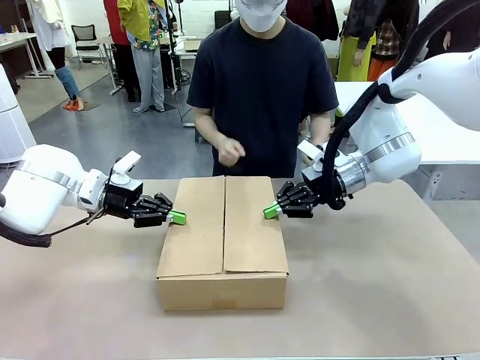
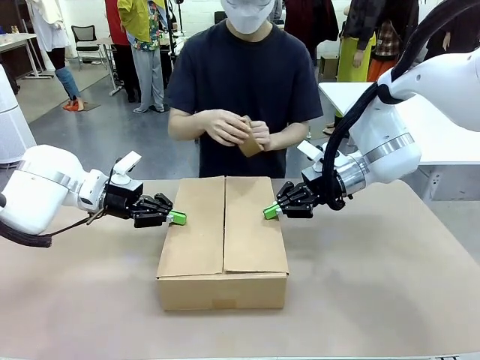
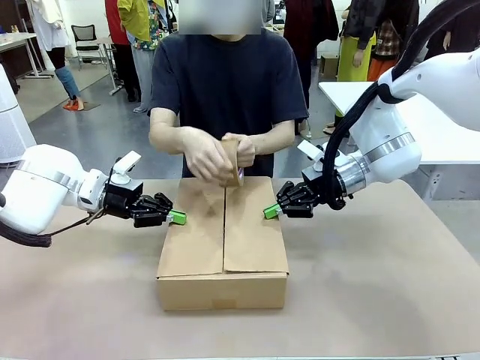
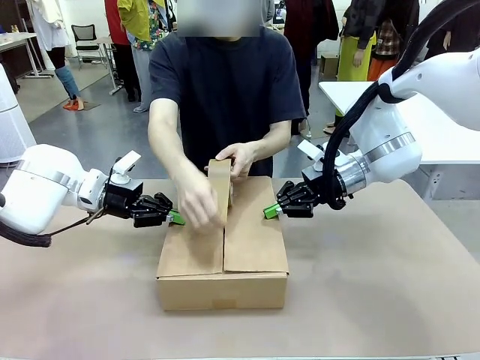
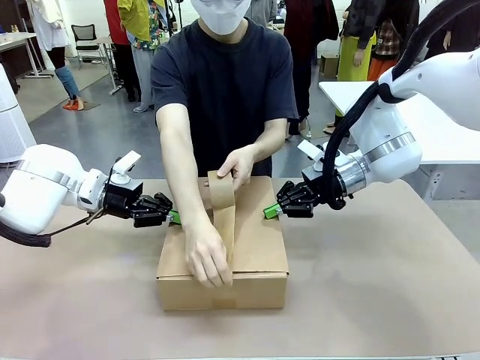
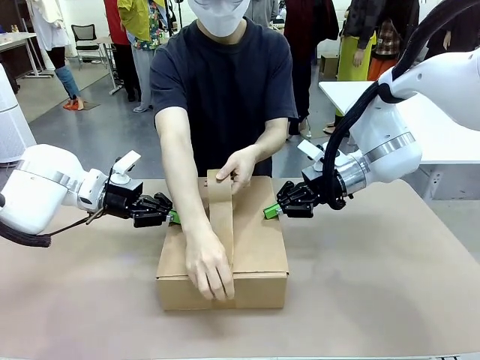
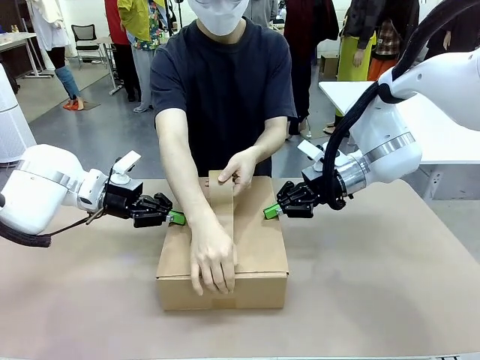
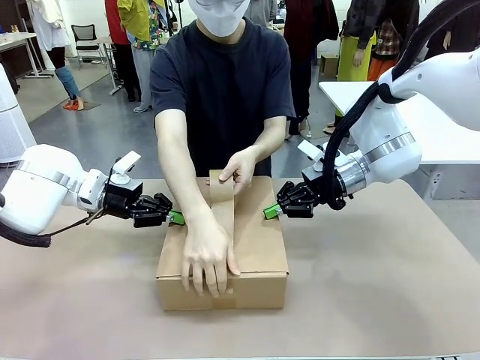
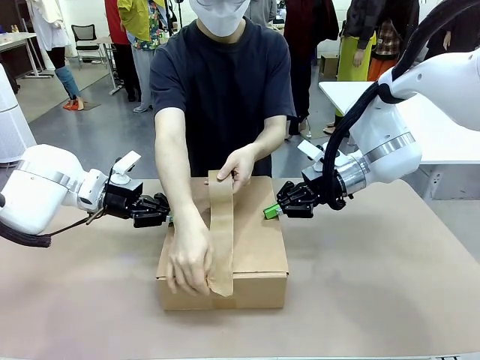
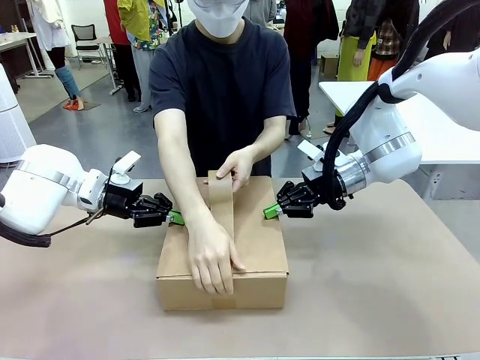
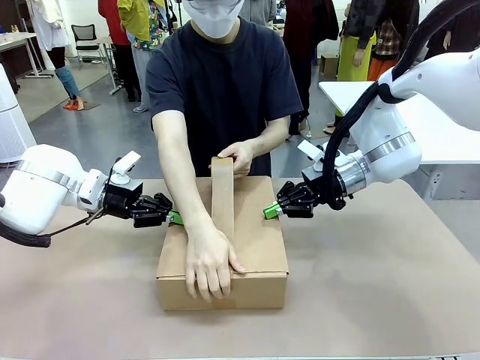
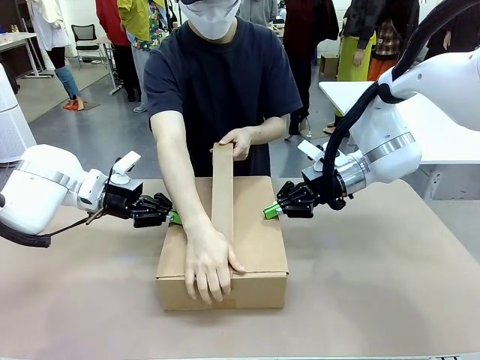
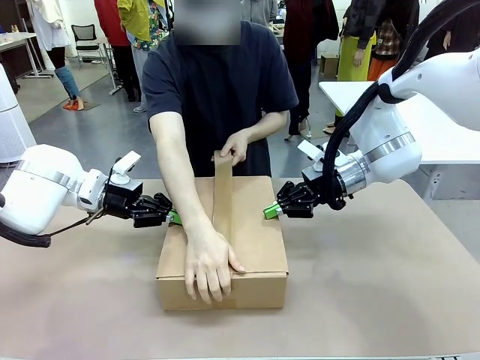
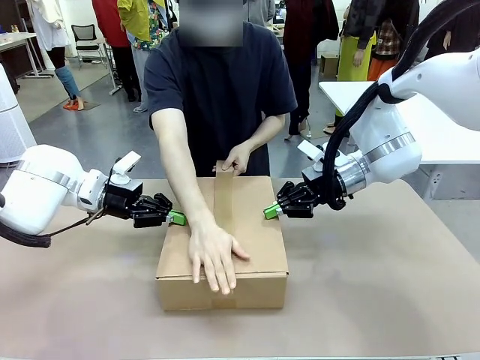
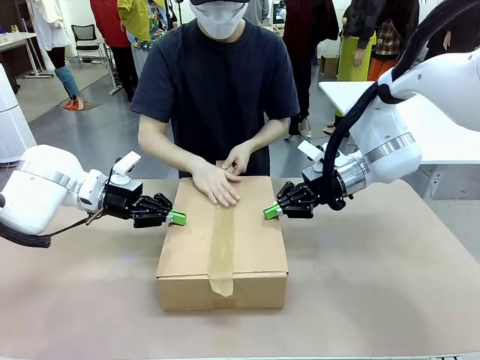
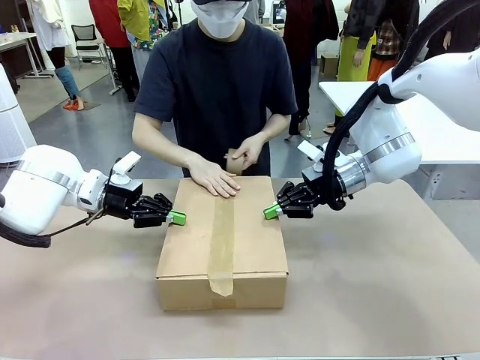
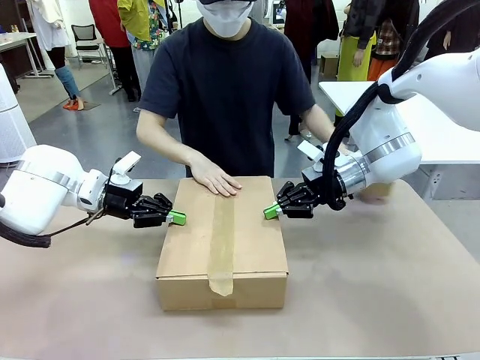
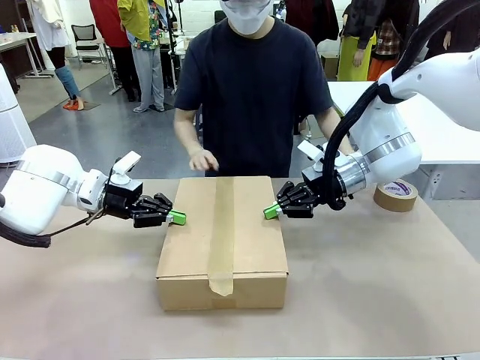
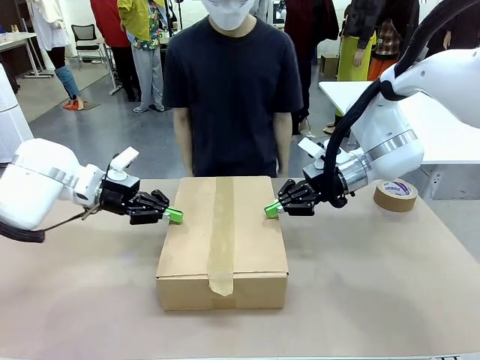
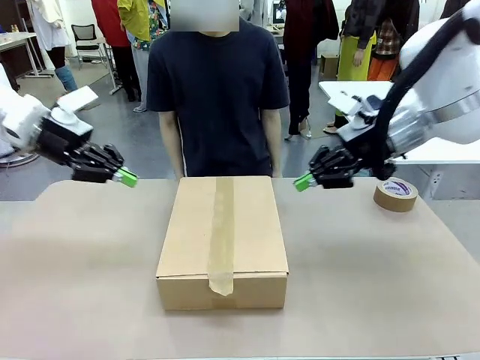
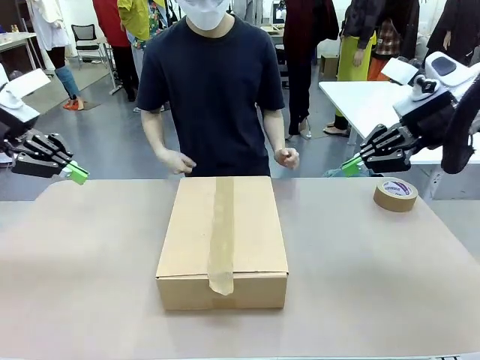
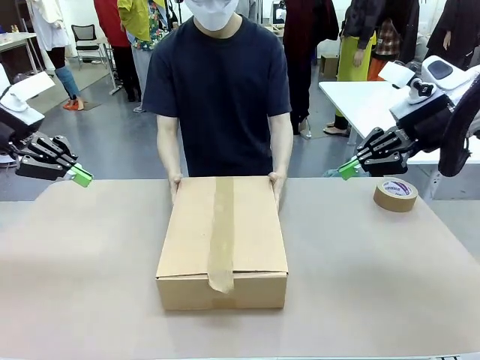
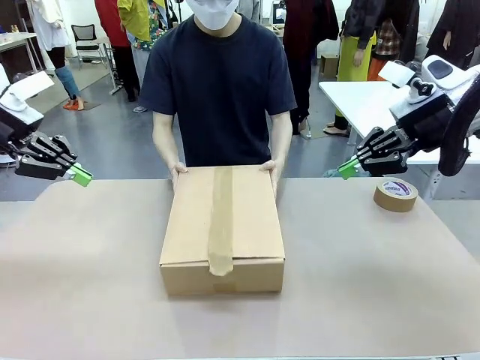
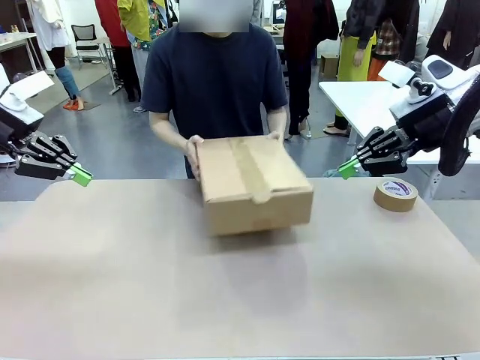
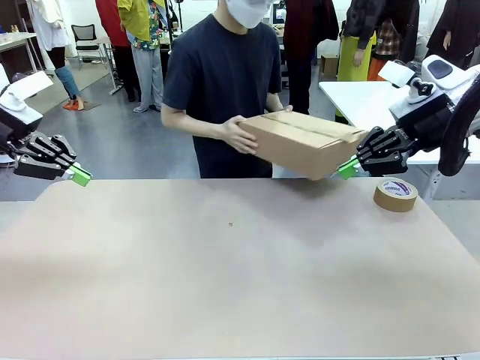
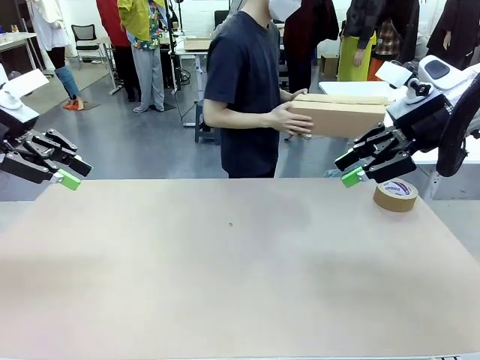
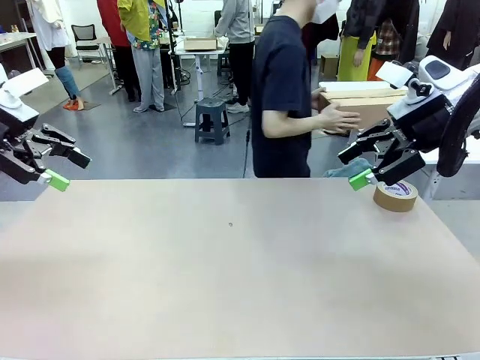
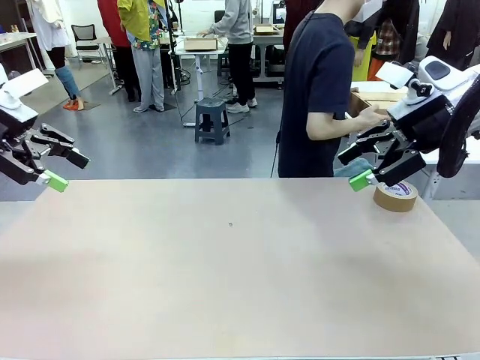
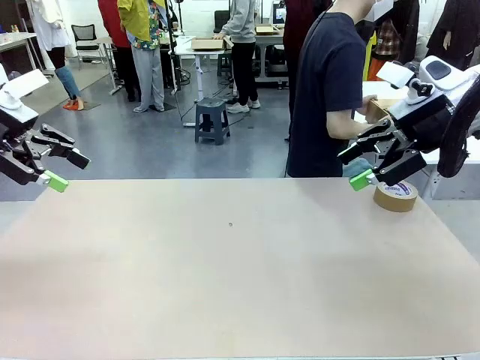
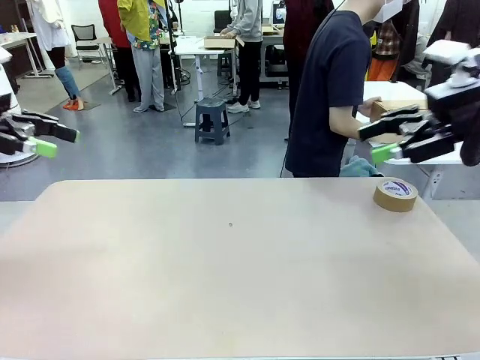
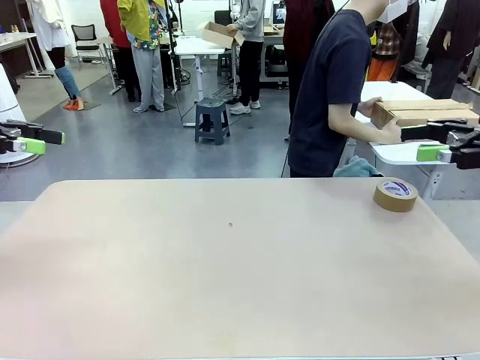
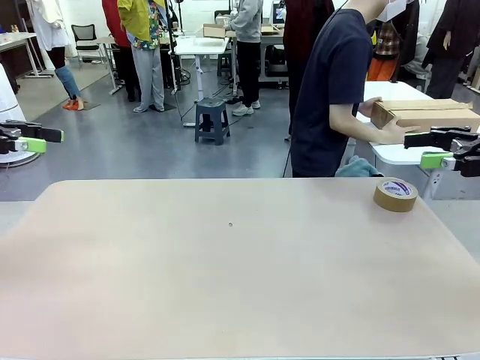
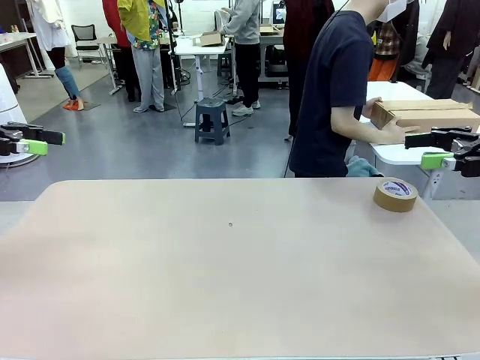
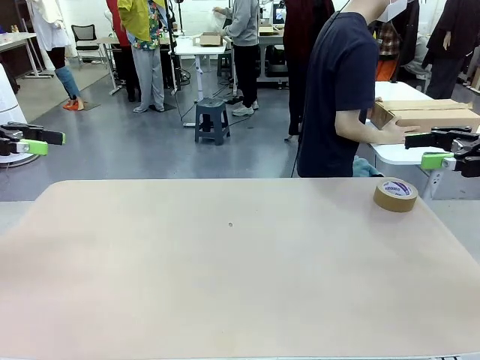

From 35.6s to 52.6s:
Task: Wrap the clocks to prevent damage.
Robot: After the human seals the box with tape, release both hands from the side flaps of the Package Box.
Person: Once the robot closes the left flap of the Package Box , seal the box with Paper Tape. Place sealed Package Box in the middle of the human's table.

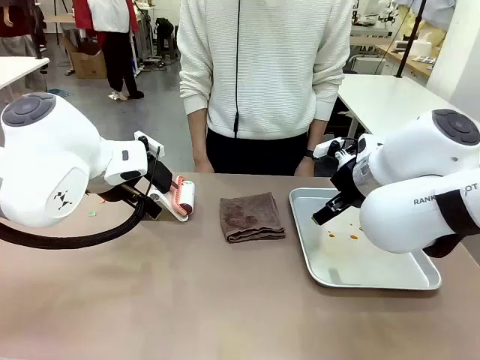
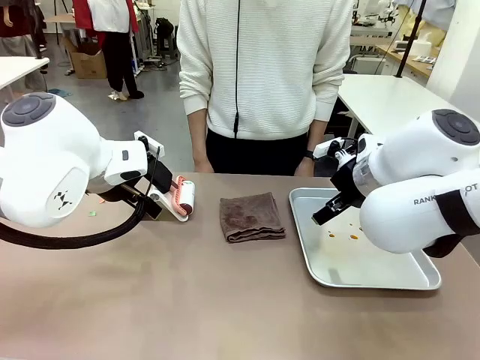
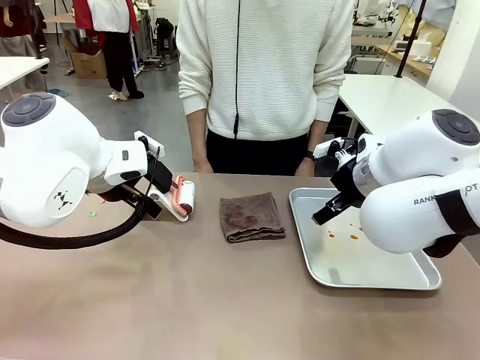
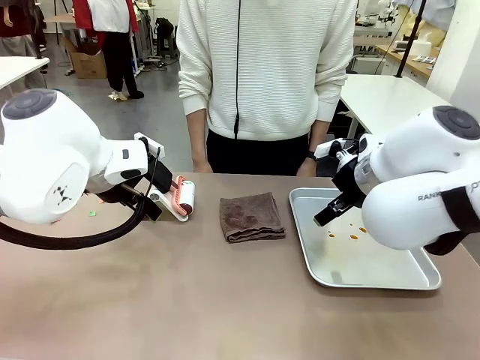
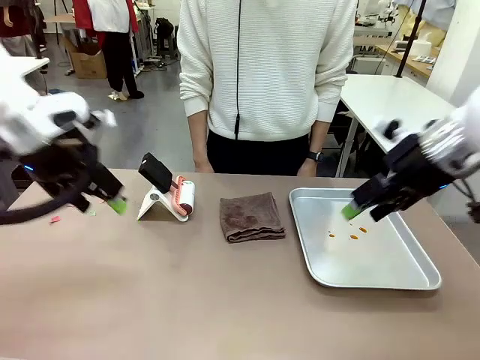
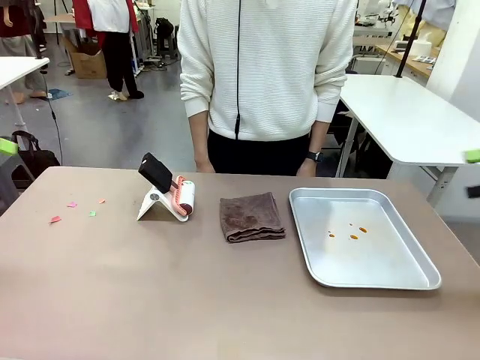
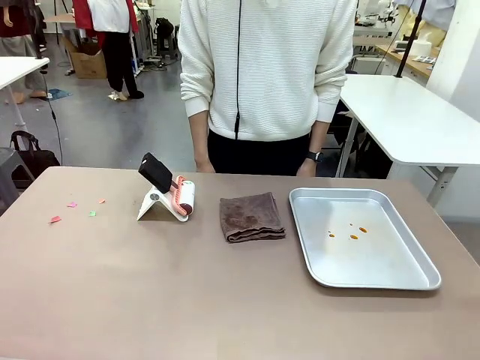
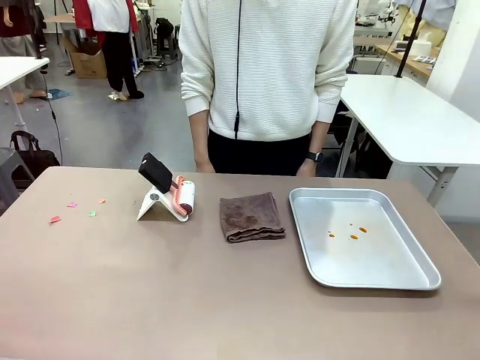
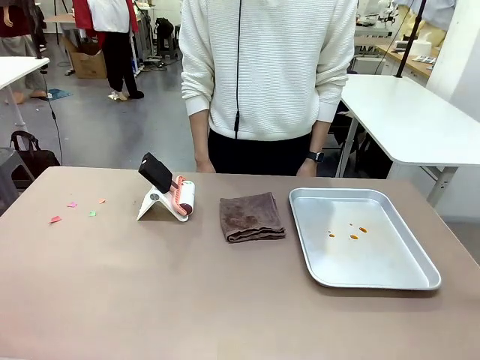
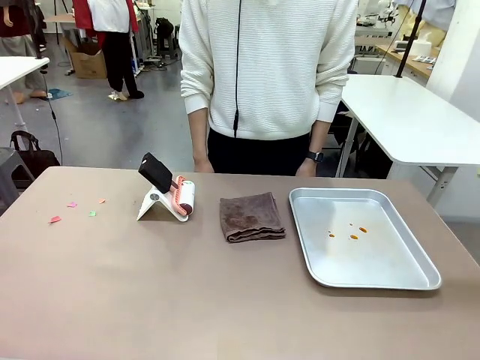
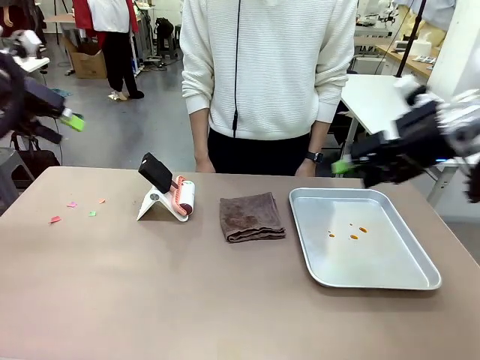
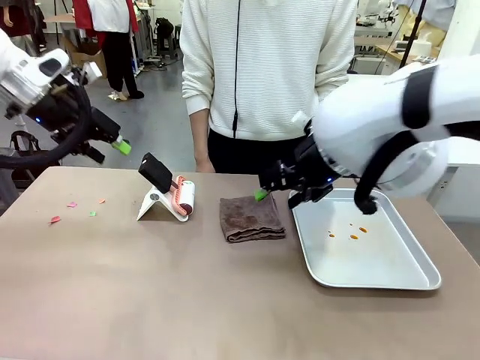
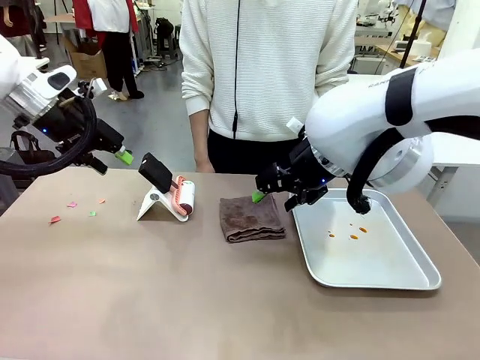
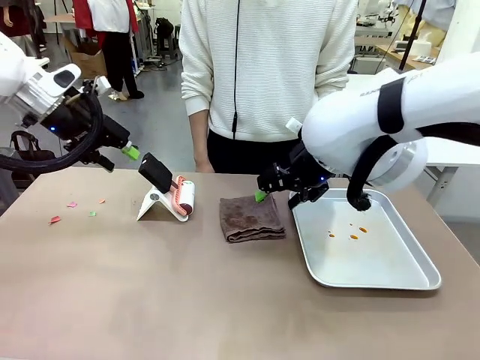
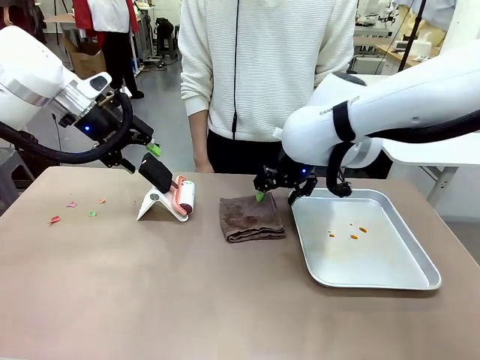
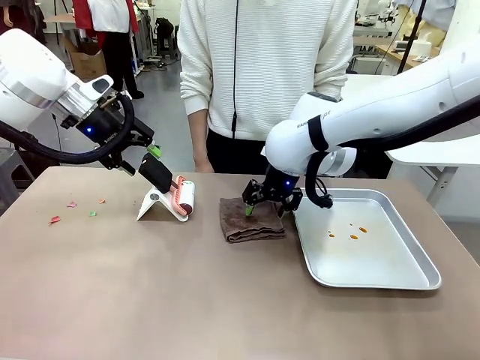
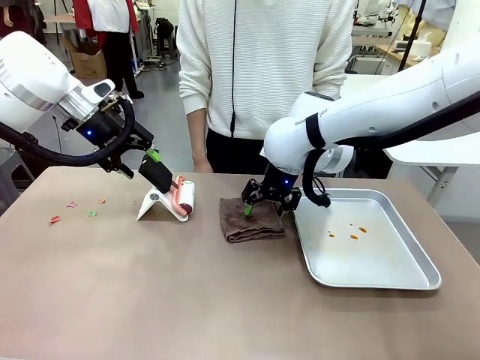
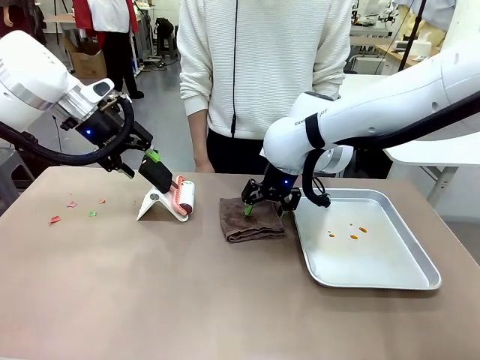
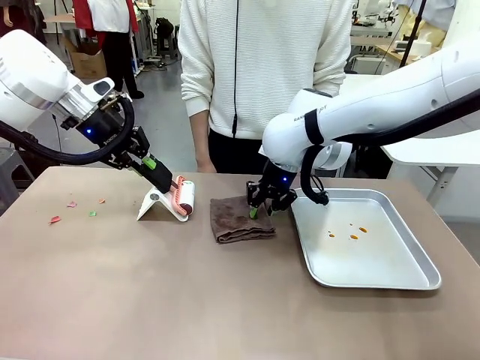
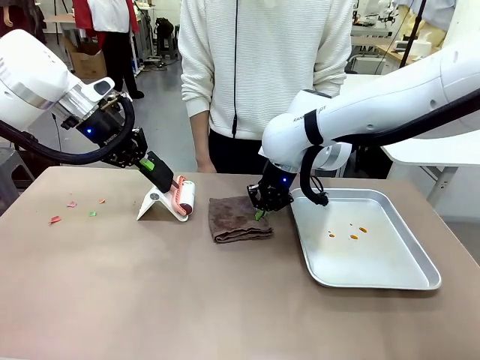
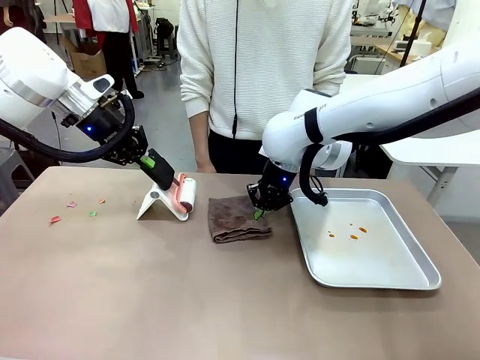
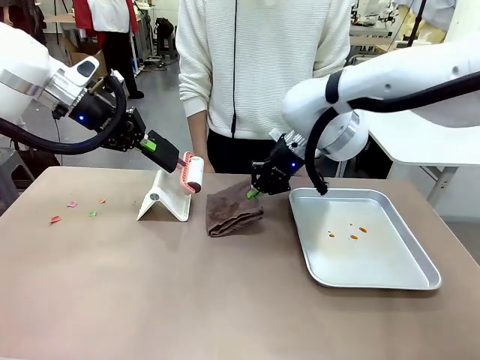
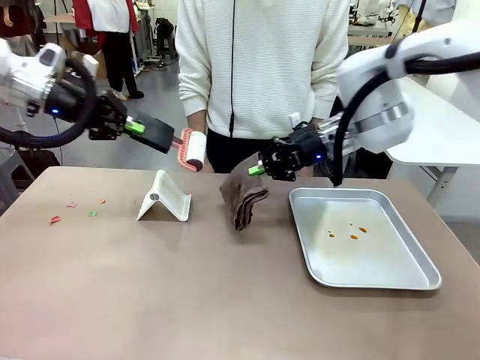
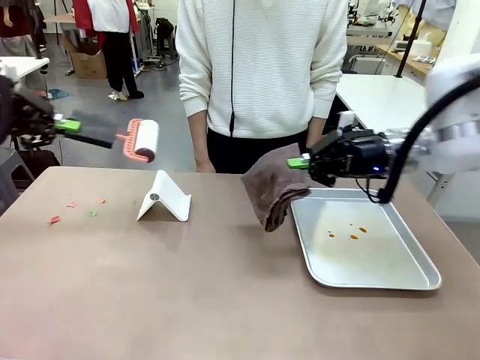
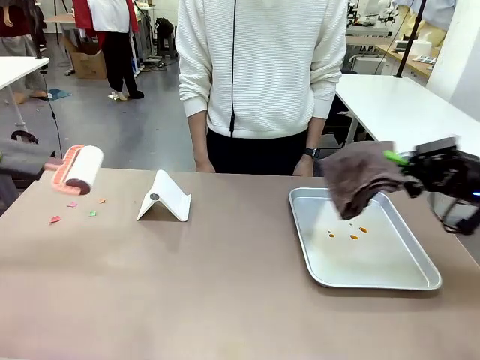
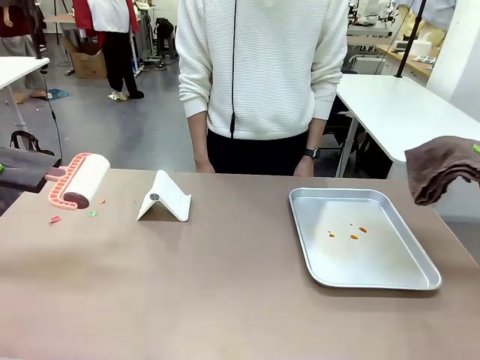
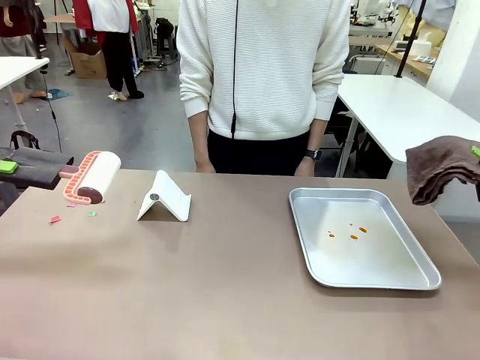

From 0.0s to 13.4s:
Task: Clean the surface of the table.
Robot: Hold the Lint Roller with your left hand and the towel with your right hand.
